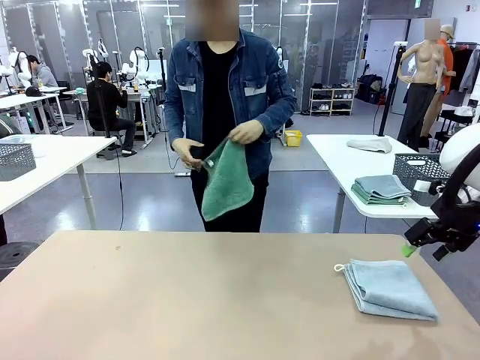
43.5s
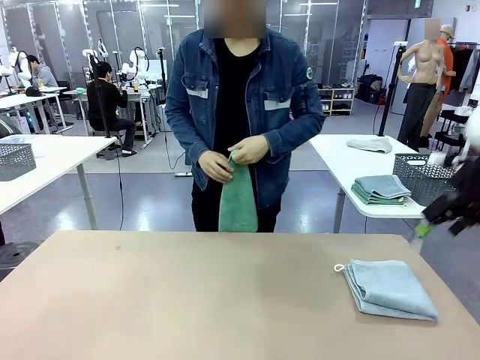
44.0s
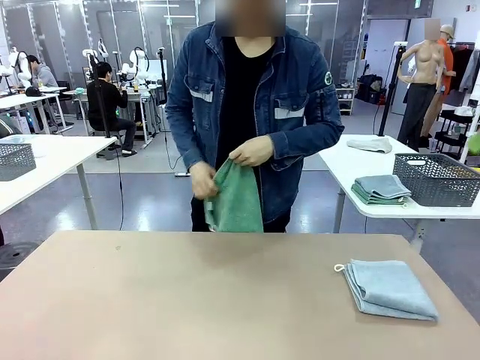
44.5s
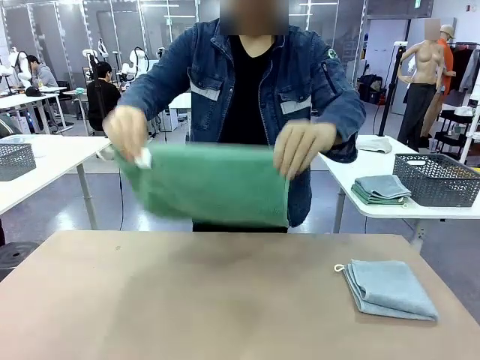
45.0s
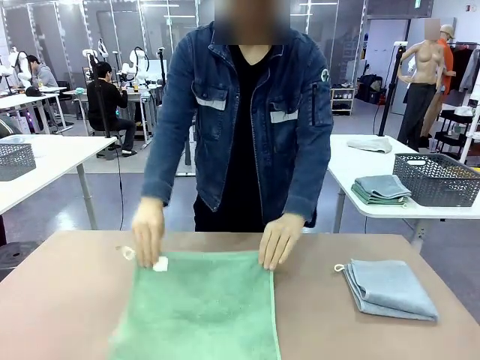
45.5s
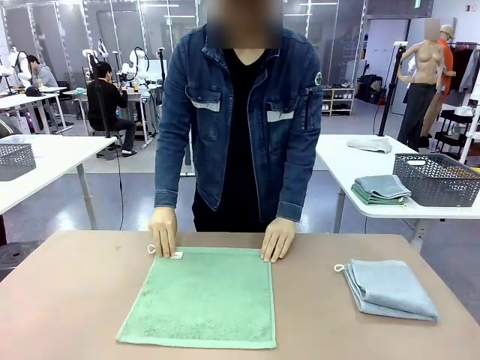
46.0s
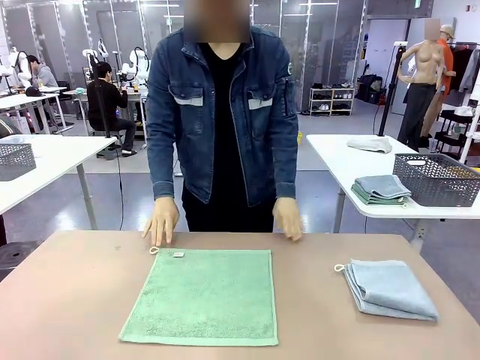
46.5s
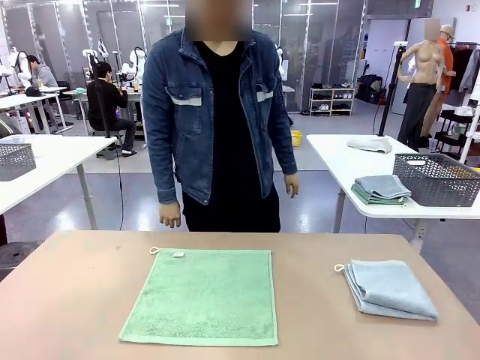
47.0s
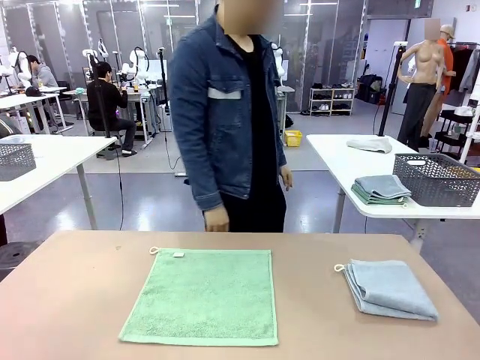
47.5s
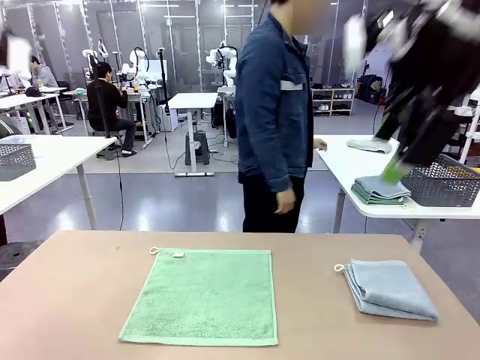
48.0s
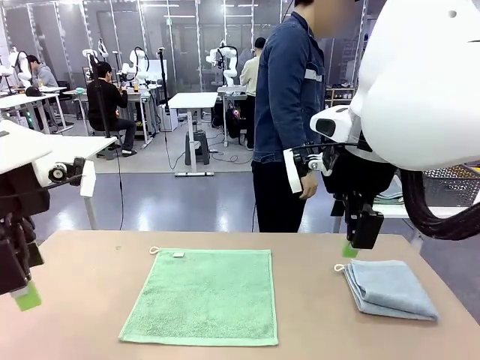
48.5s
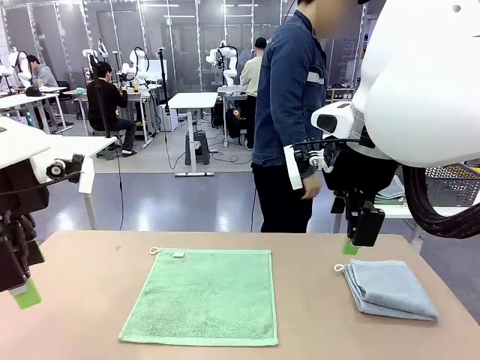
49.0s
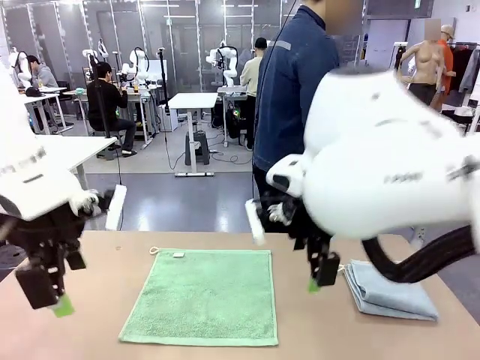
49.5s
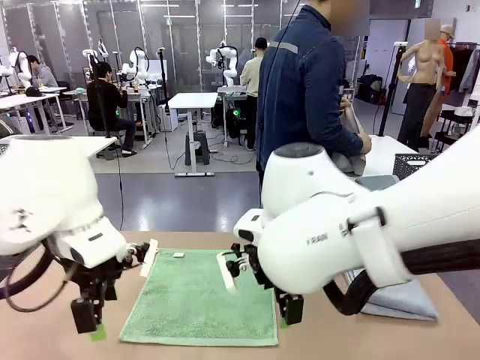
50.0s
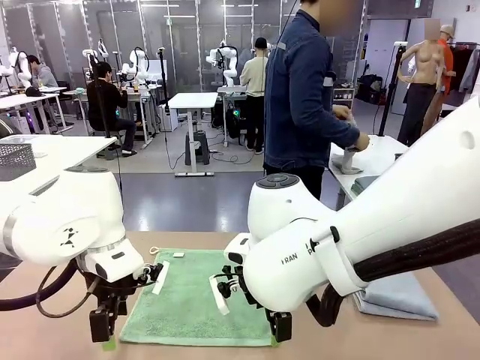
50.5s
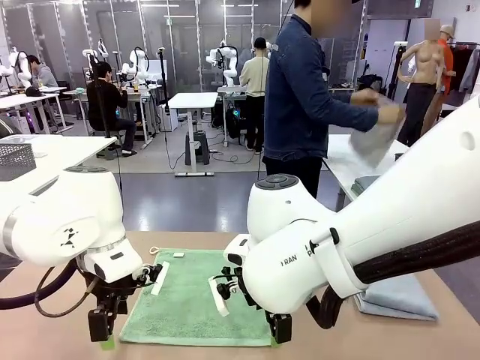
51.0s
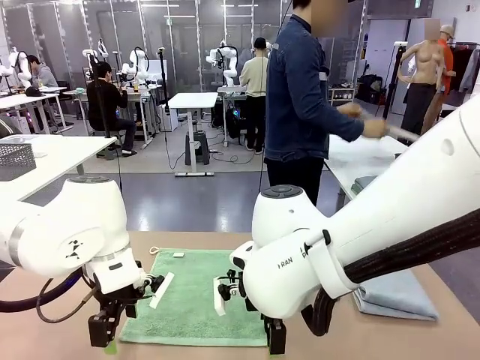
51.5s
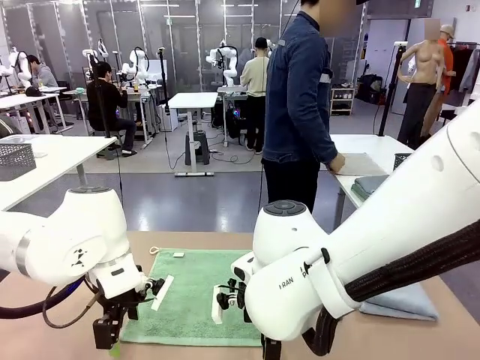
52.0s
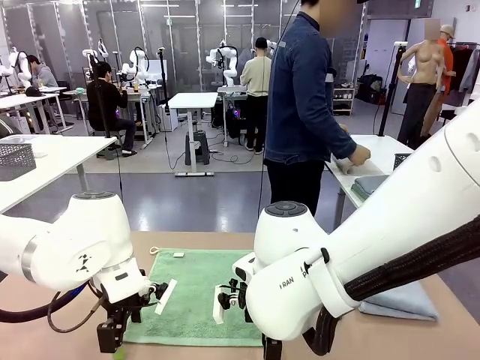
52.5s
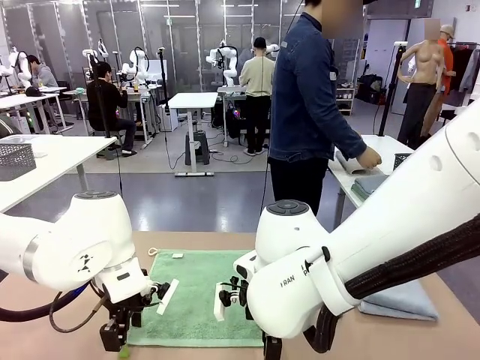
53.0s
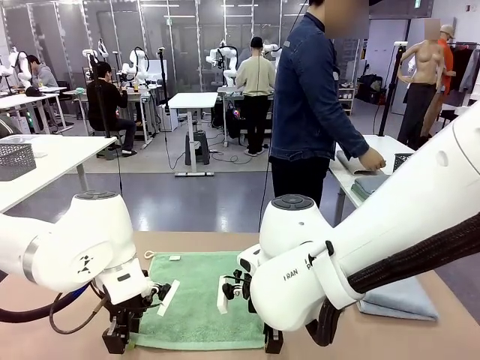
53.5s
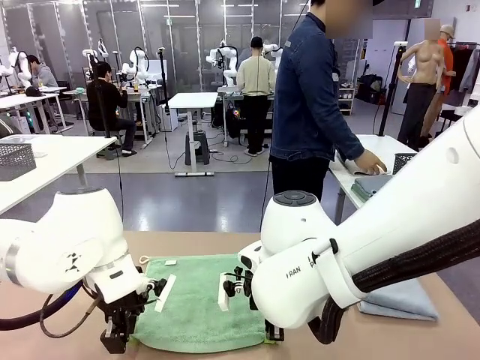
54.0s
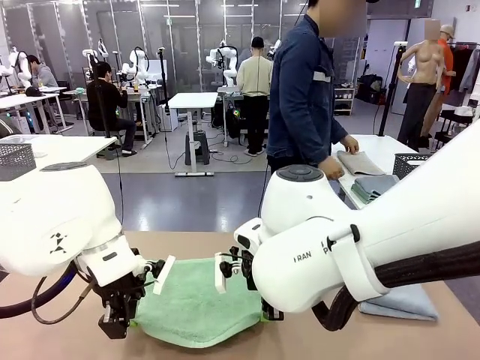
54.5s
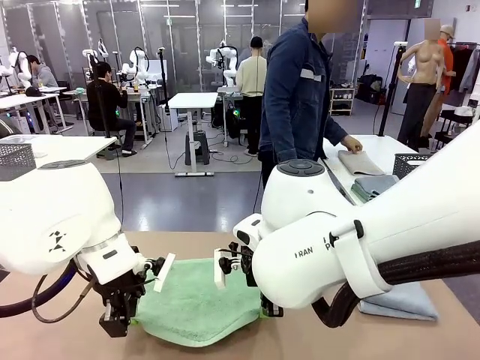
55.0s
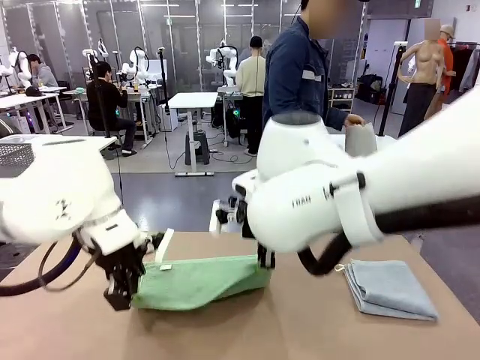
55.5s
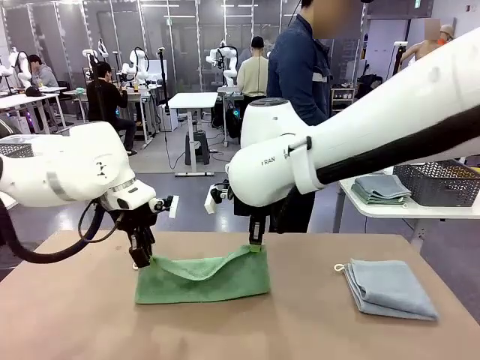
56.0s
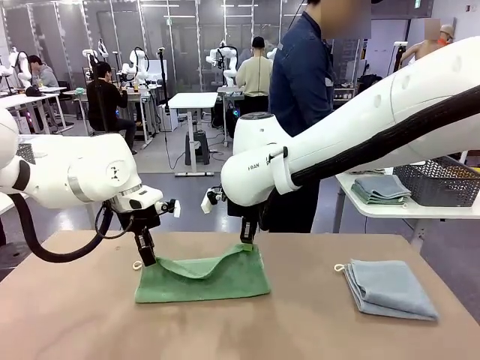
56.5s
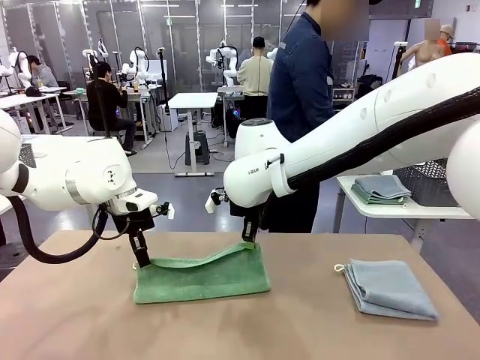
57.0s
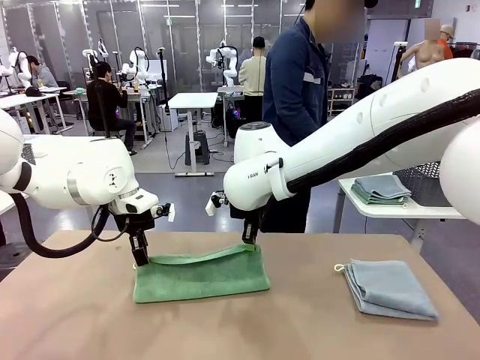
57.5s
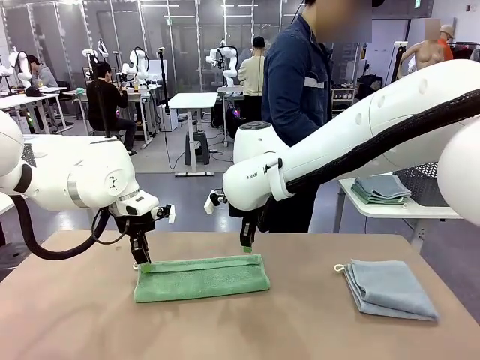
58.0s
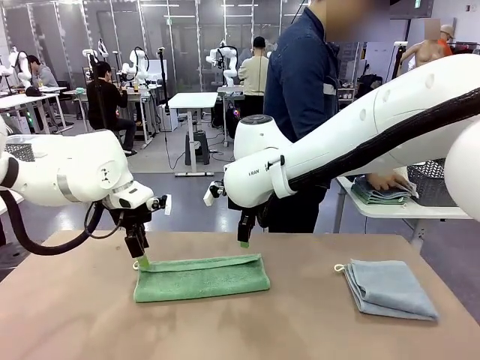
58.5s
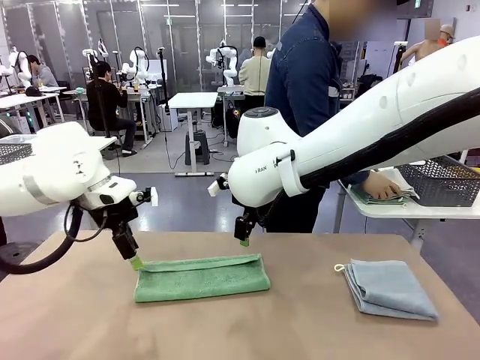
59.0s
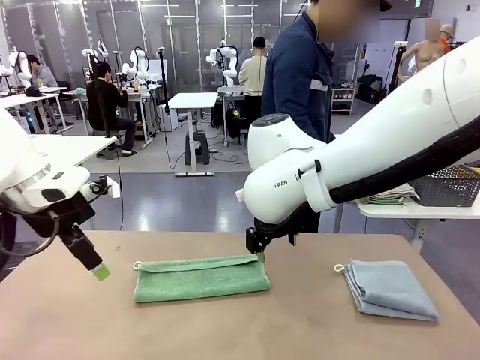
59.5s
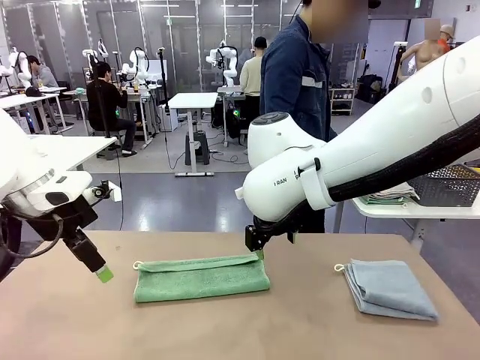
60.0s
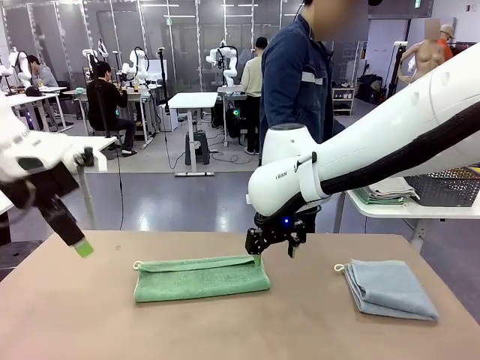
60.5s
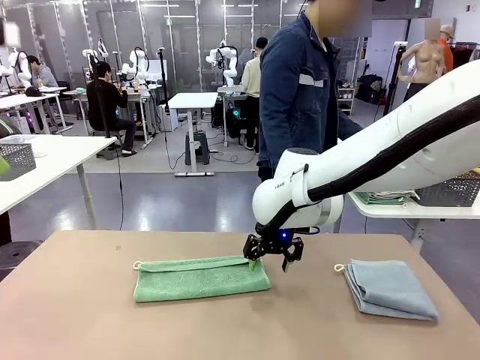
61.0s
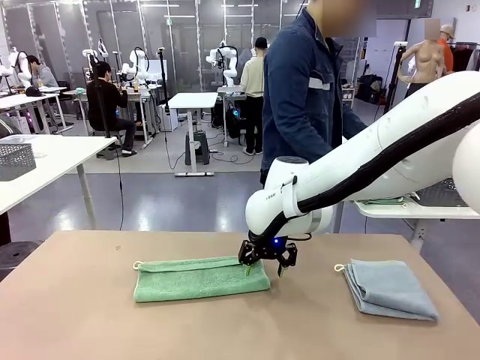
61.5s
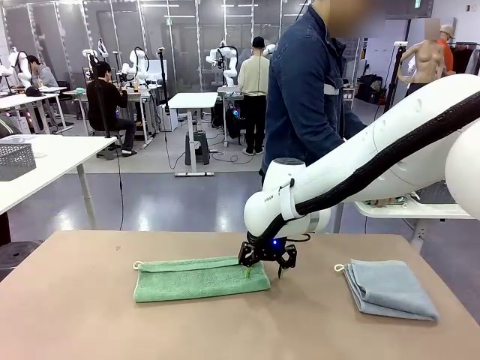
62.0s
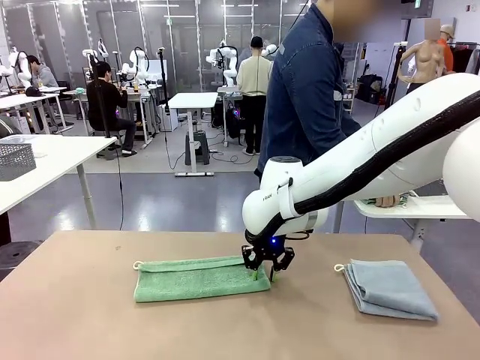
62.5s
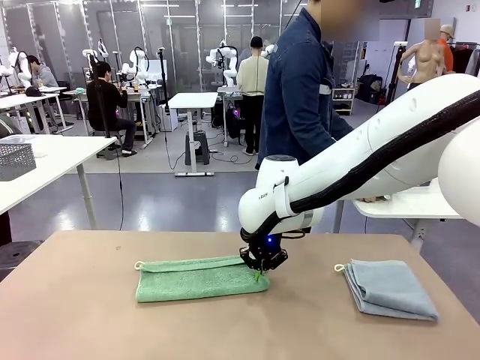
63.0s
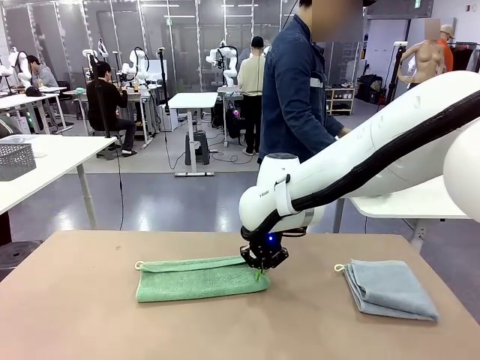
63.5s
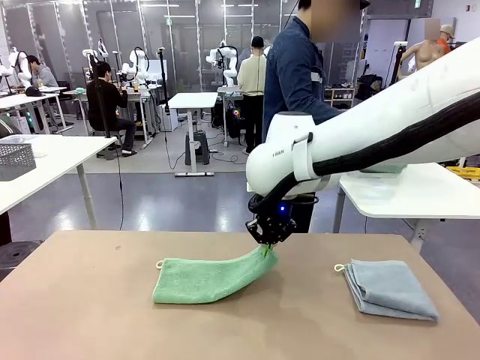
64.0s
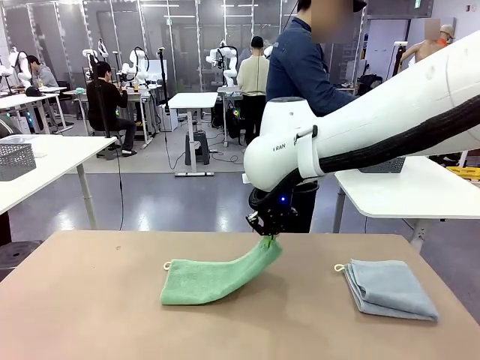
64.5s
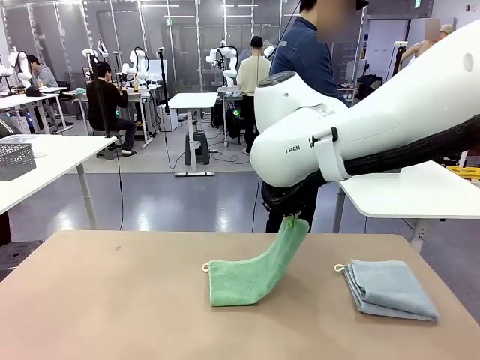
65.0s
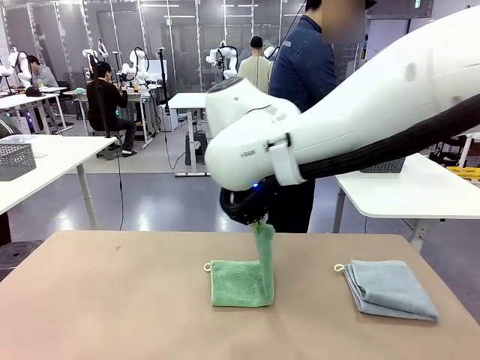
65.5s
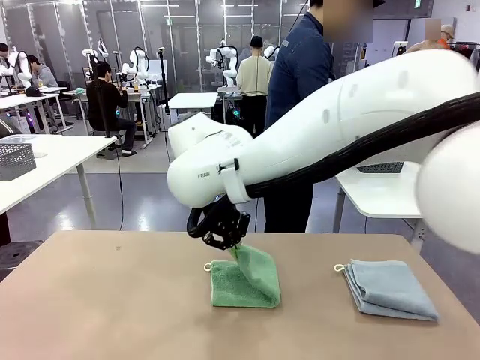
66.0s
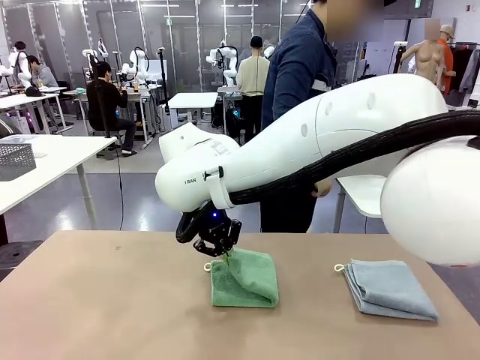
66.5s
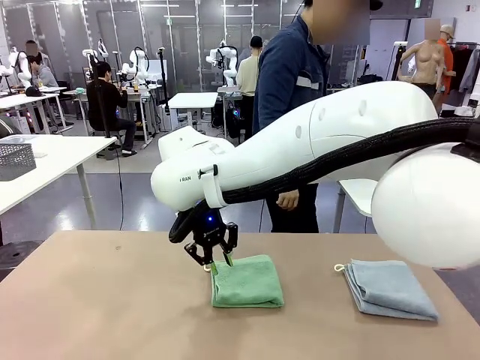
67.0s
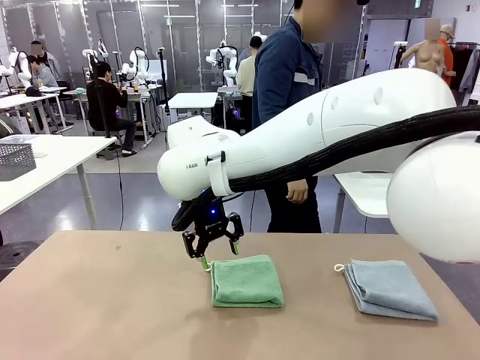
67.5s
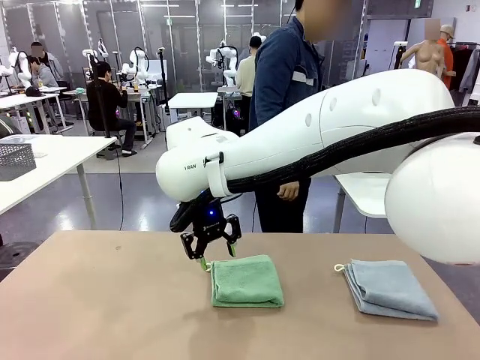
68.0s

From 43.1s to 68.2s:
Task: Fold the towels and place them in the basket.
Robot: When a person lays out a Towel with hook on the table, fold it in half twice.
Person: Pick up one towel from the left side of the human table, fold it in half twice, and stack it on the right side of the table. Pick up the stack of towels from the right side of the human table, place it into the basket, and put the basket at the center of the table.
